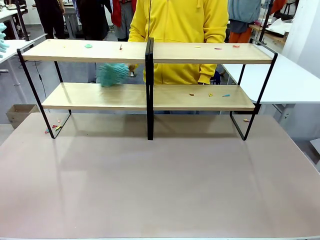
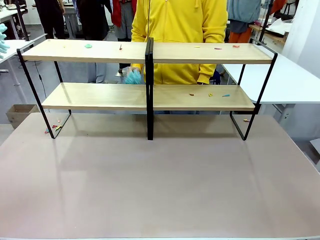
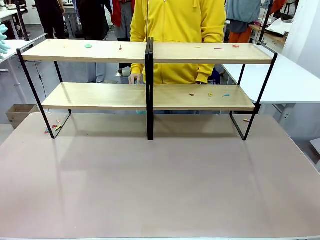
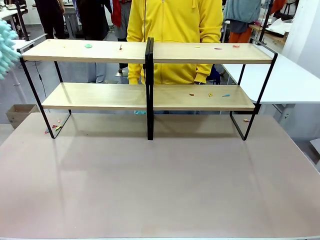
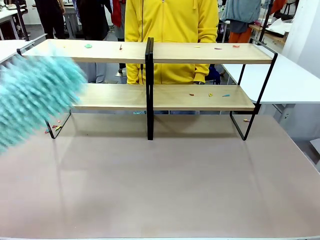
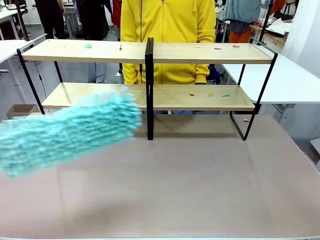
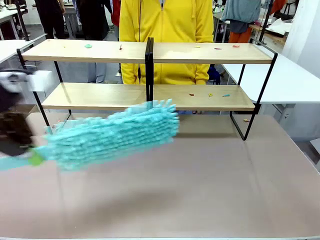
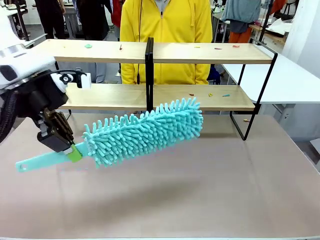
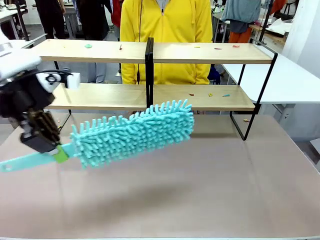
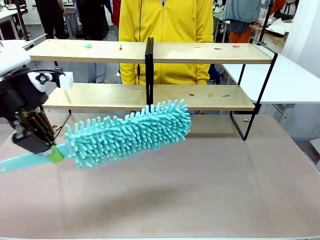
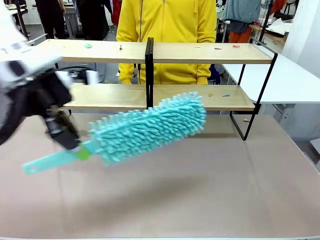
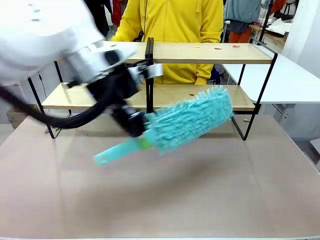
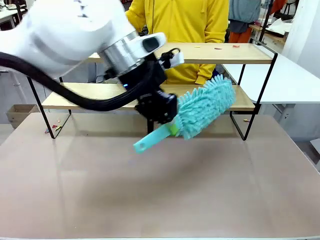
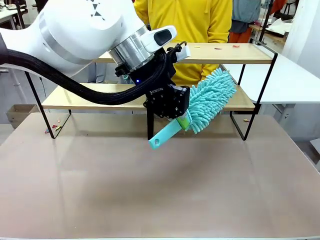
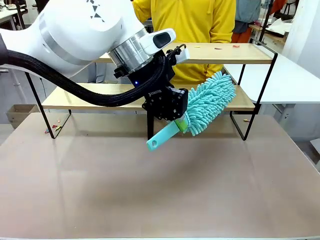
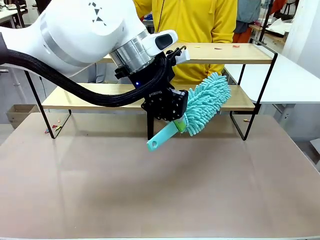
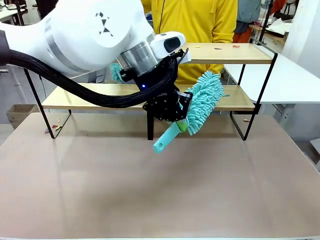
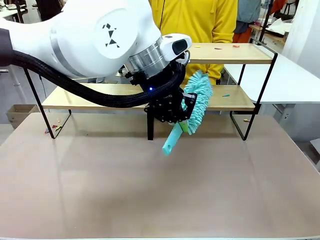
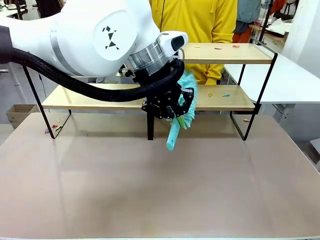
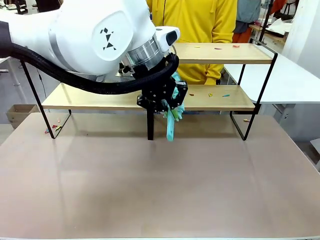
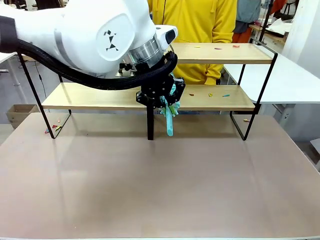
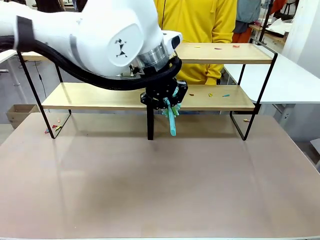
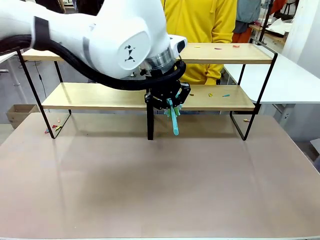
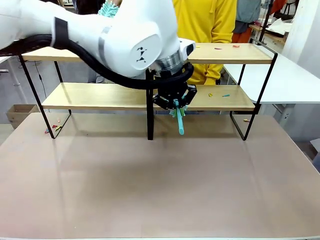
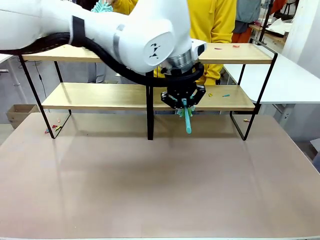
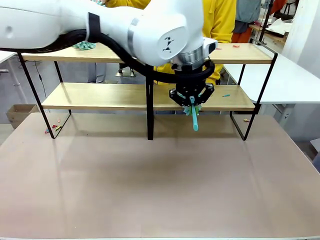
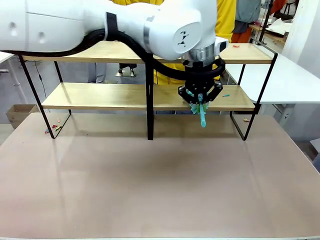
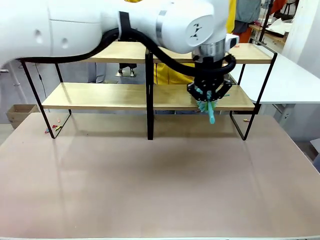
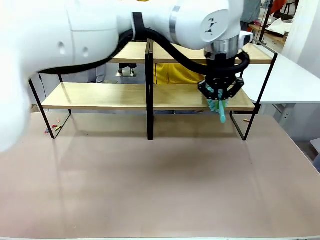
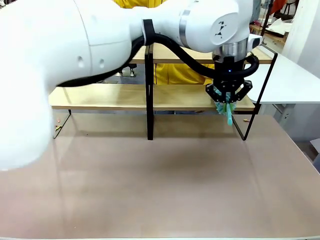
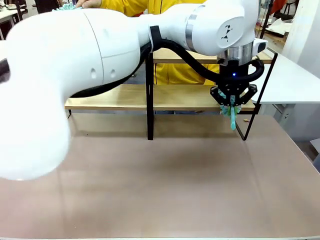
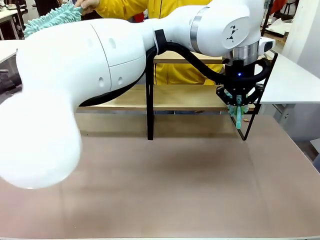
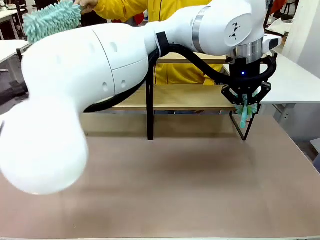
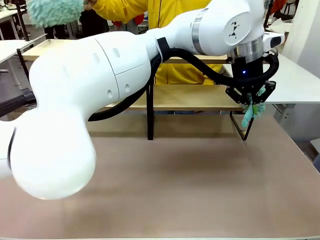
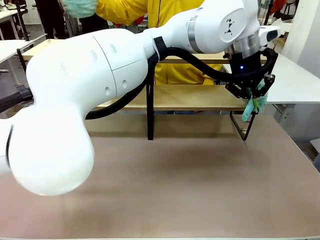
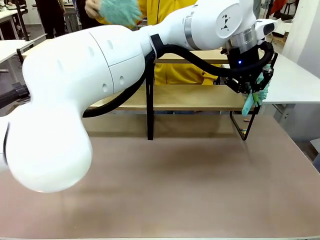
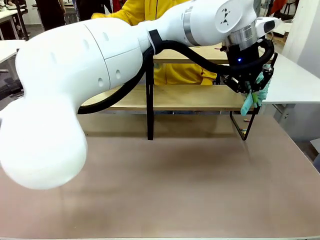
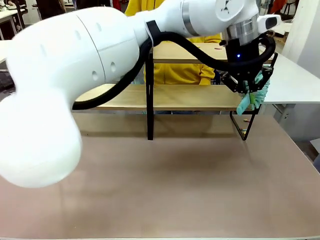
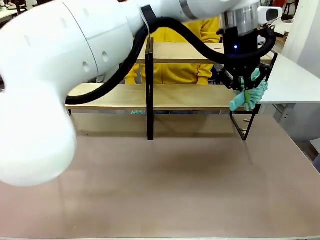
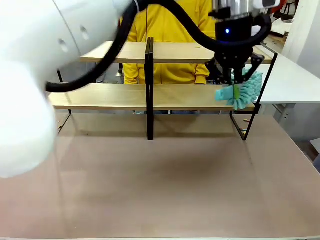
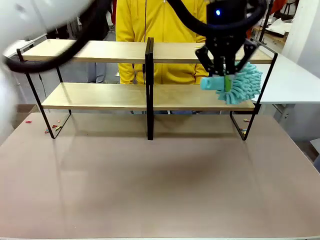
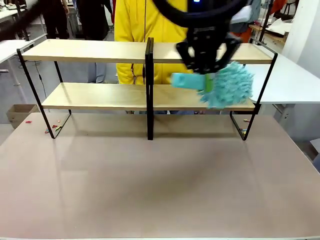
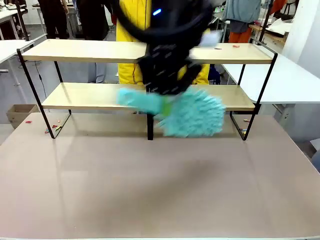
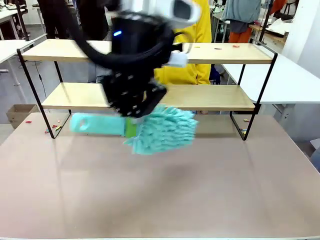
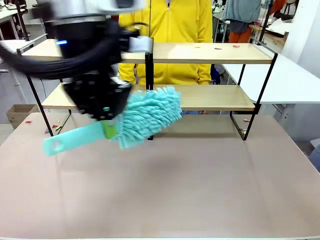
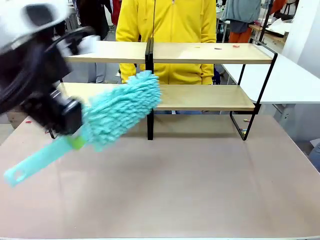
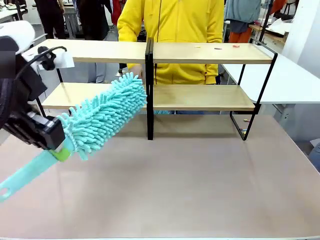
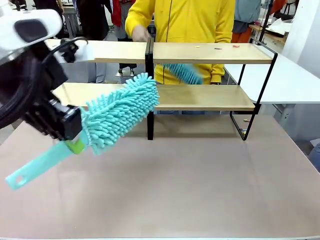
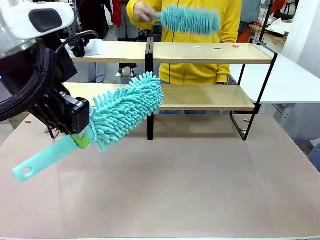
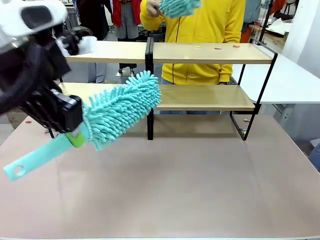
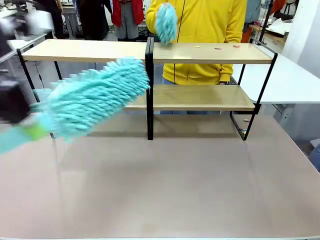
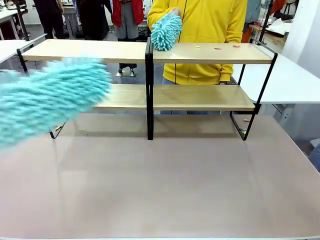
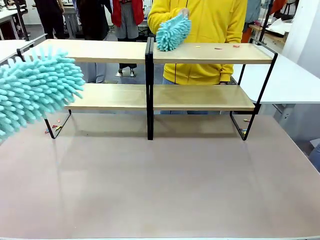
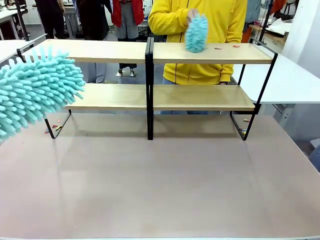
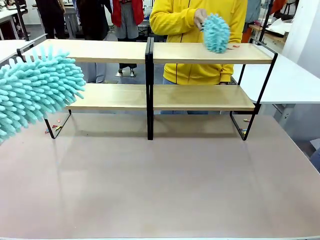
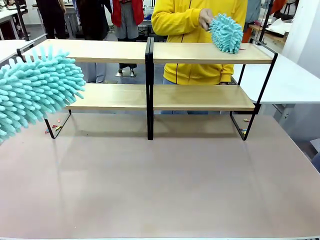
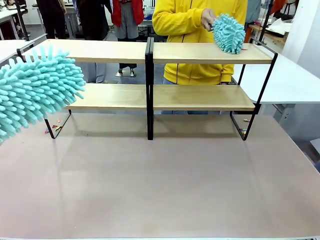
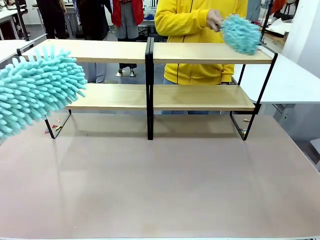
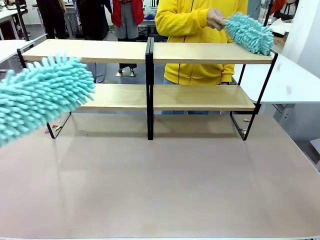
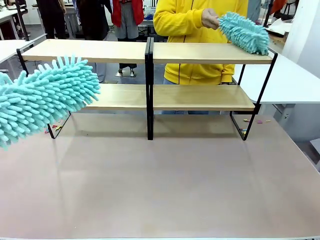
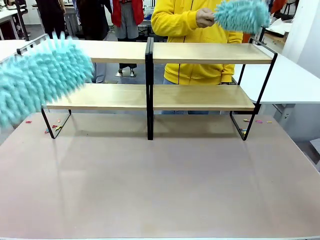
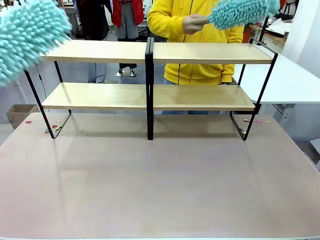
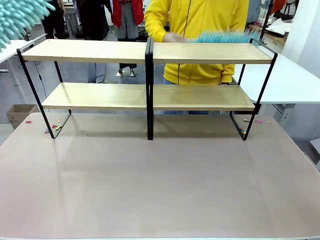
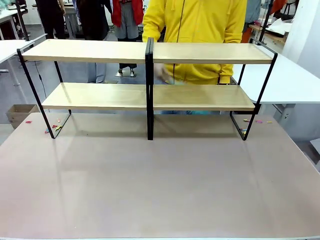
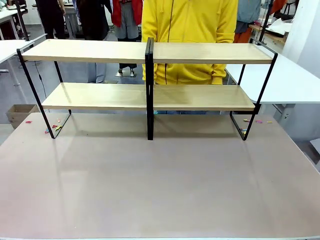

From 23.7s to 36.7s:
Task: Clean the shelves.
Robot: Clean another randomly selected level of the Shelf with the Duster.

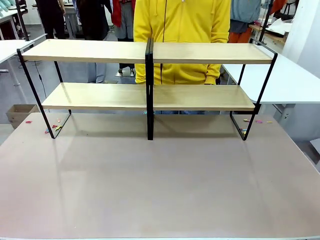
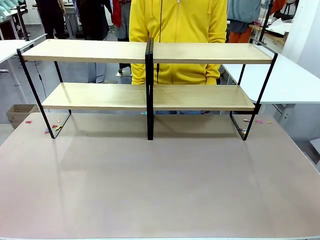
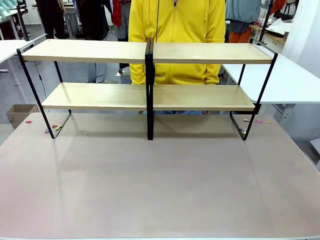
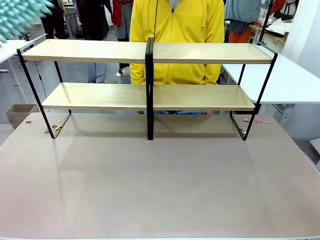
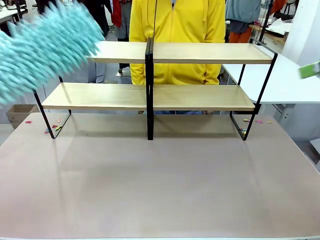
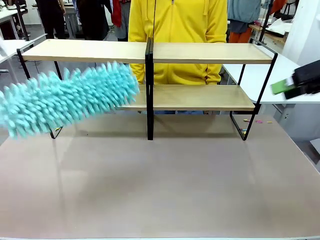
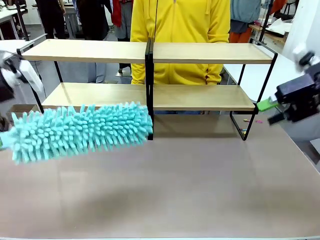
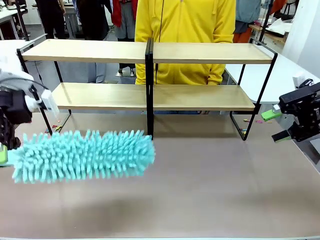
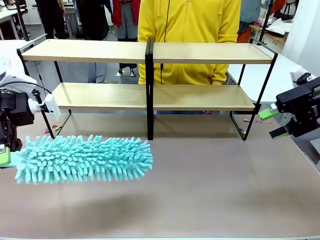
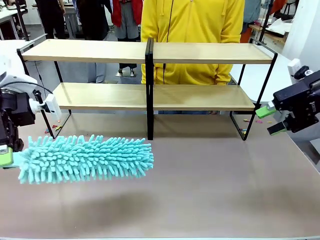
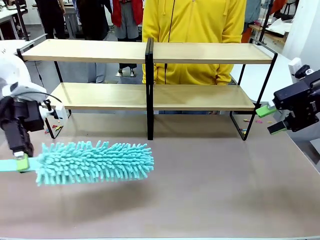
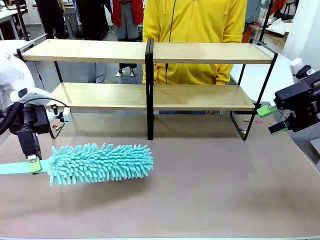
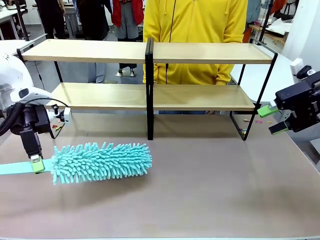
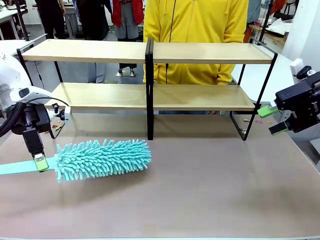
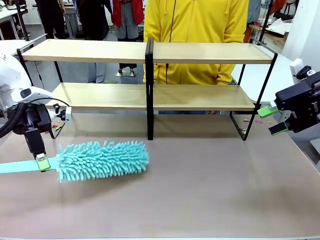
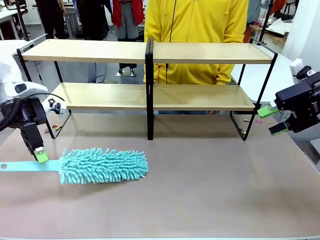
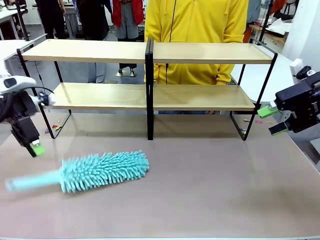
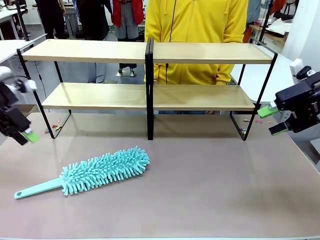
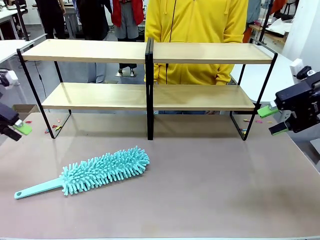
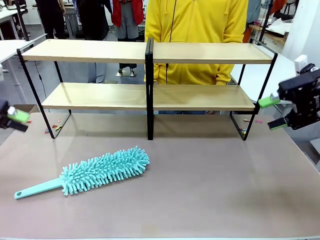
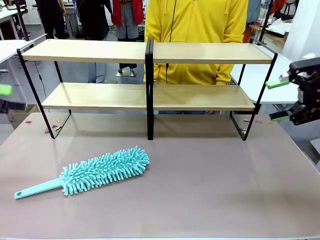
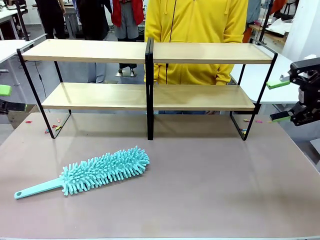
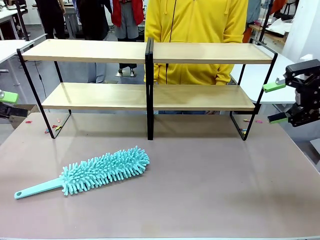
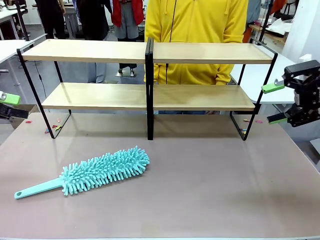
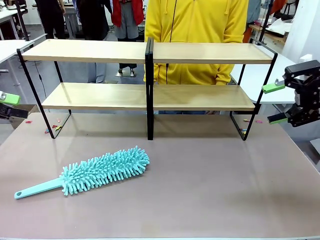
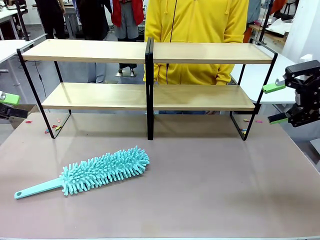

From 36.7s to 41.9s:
Robot: Place the Duster on the table.
